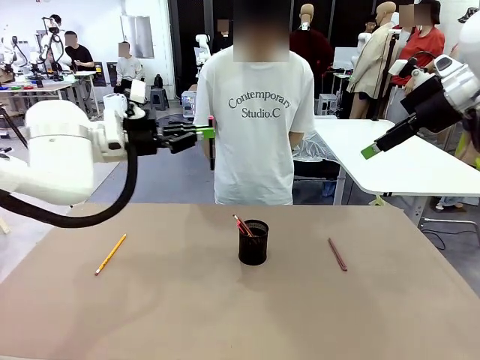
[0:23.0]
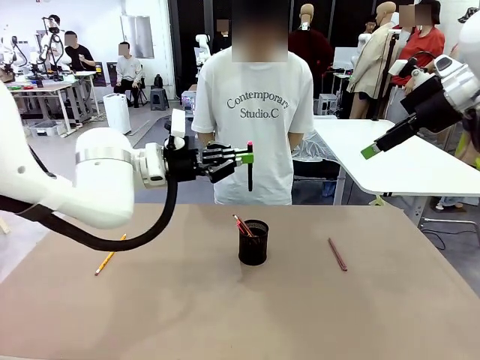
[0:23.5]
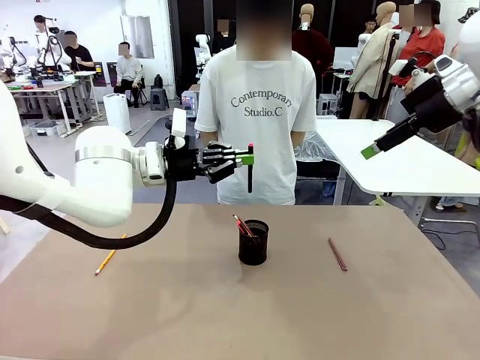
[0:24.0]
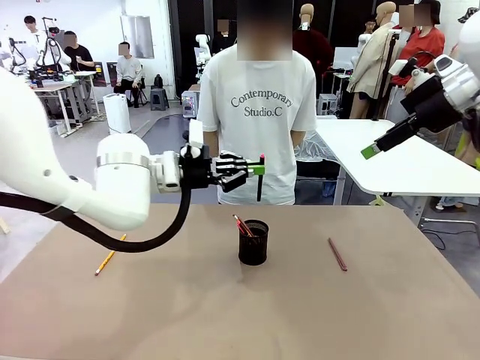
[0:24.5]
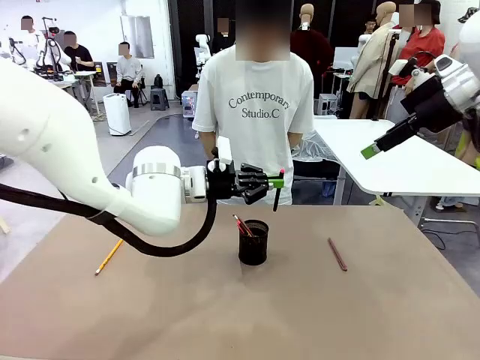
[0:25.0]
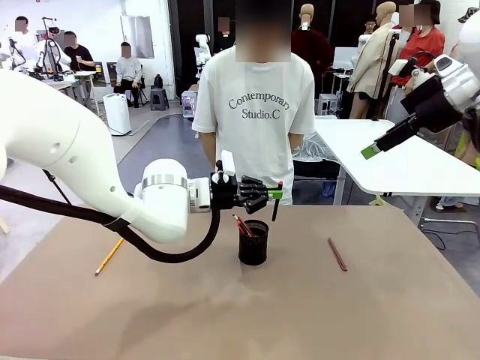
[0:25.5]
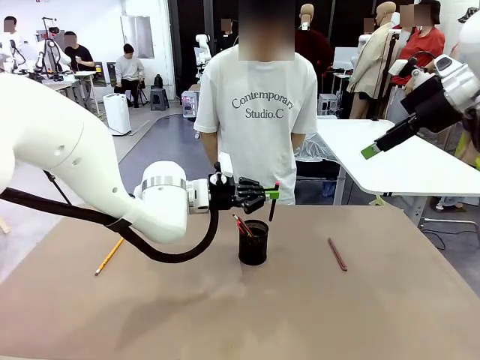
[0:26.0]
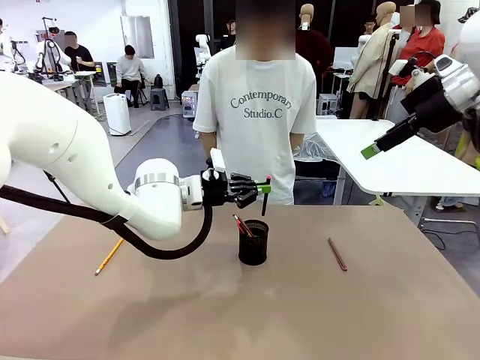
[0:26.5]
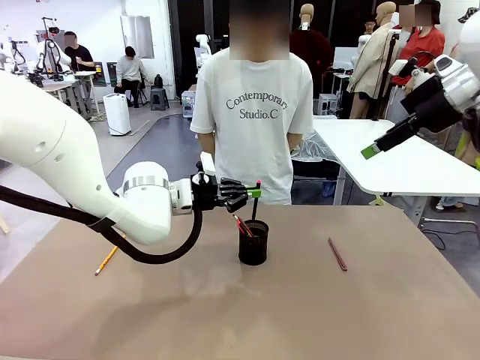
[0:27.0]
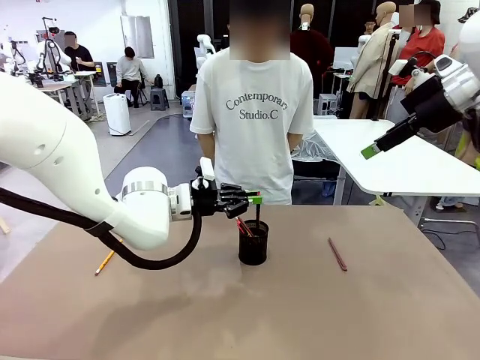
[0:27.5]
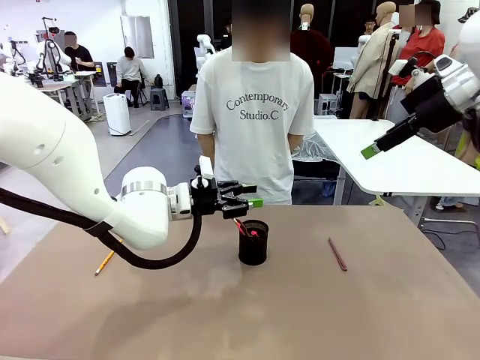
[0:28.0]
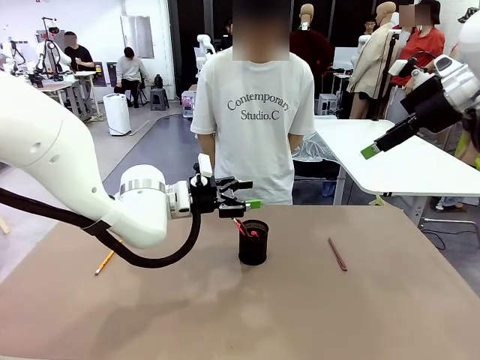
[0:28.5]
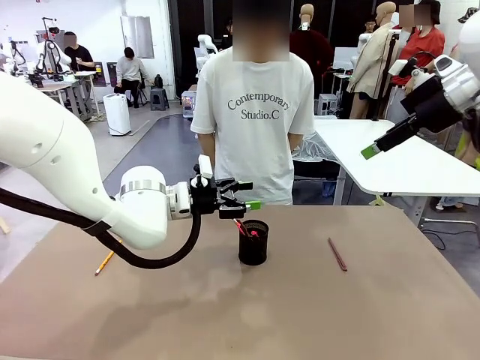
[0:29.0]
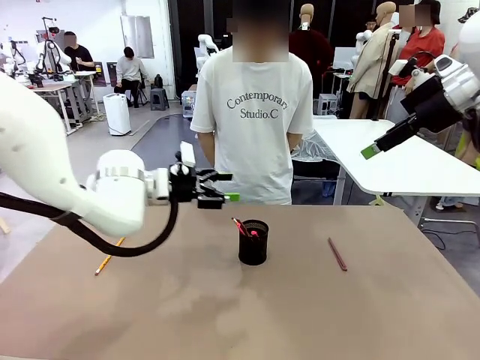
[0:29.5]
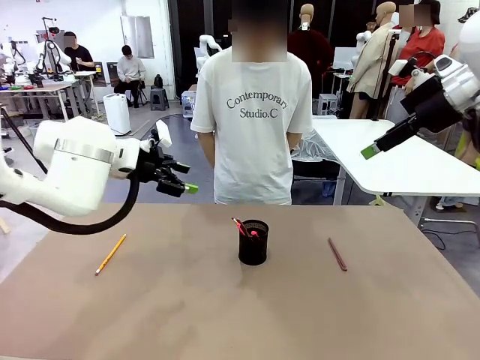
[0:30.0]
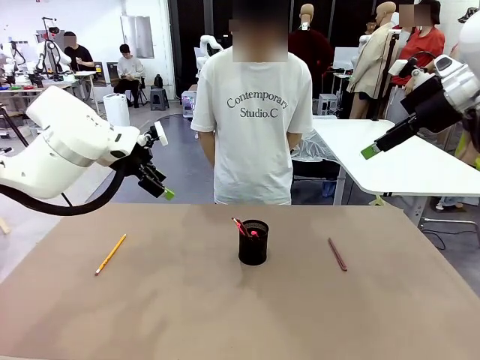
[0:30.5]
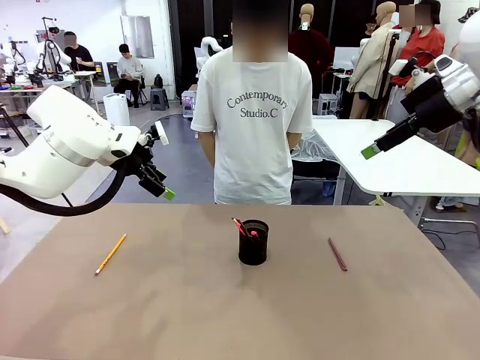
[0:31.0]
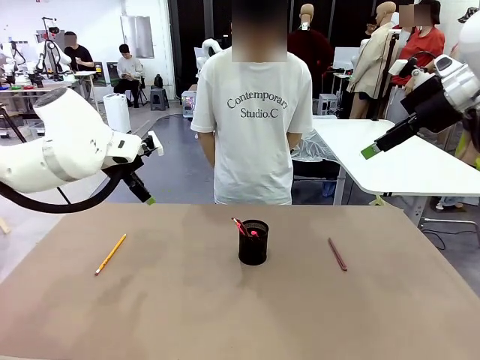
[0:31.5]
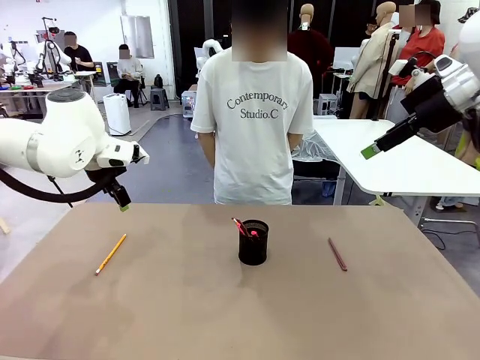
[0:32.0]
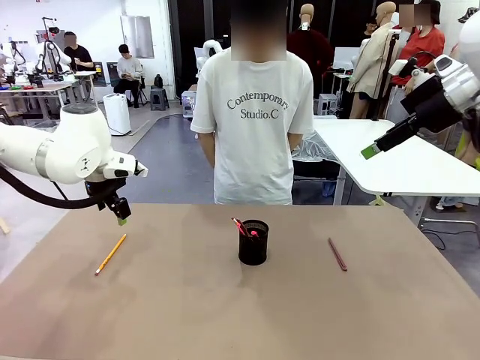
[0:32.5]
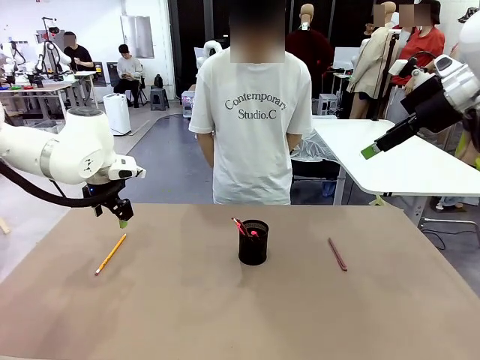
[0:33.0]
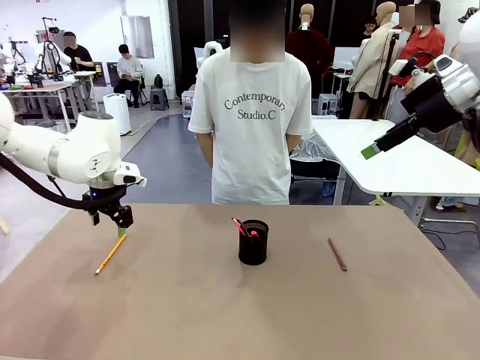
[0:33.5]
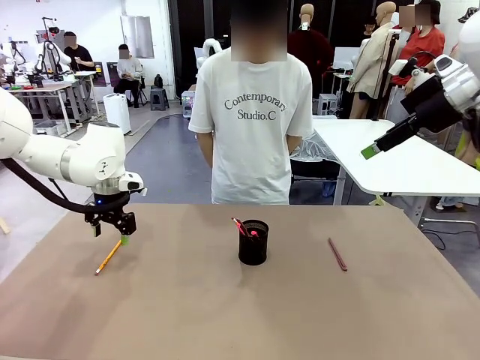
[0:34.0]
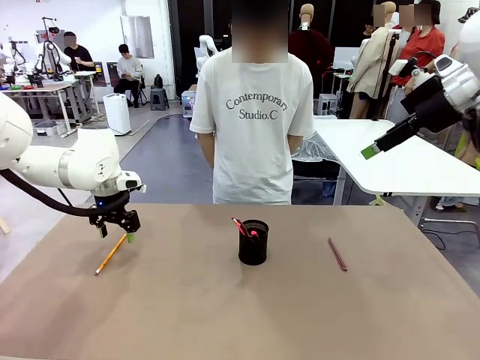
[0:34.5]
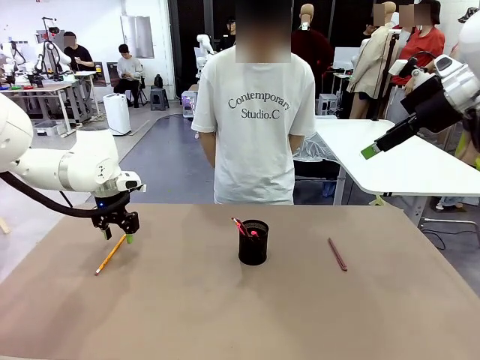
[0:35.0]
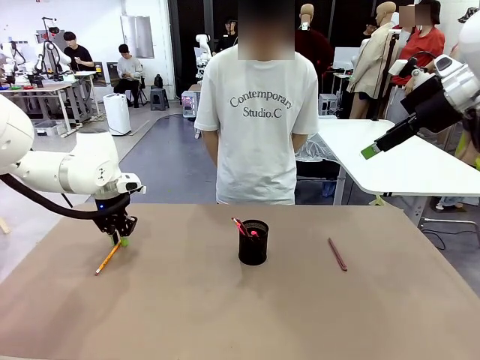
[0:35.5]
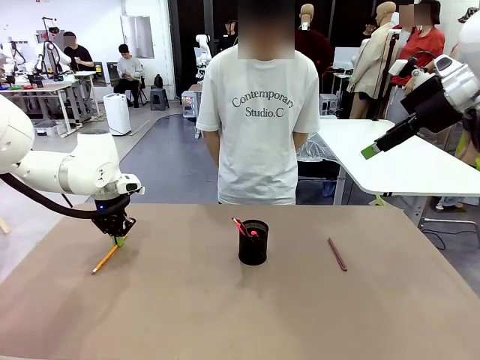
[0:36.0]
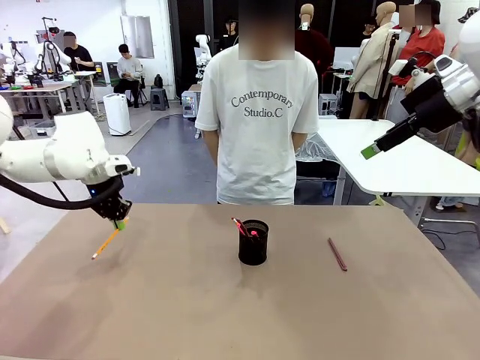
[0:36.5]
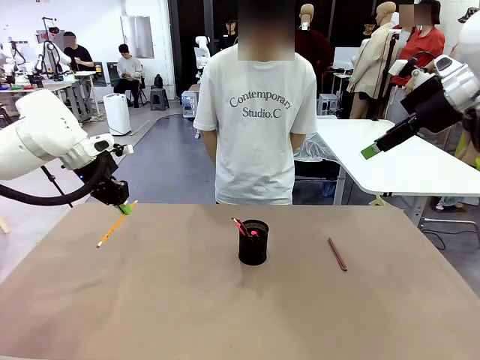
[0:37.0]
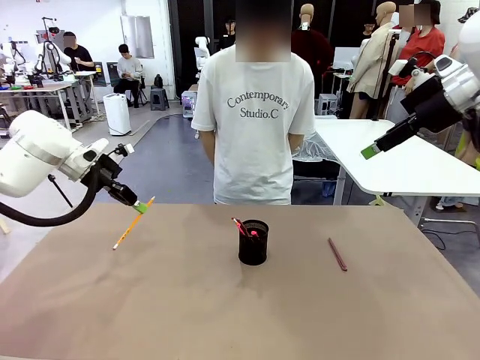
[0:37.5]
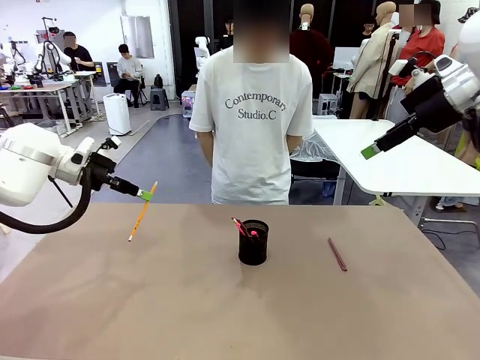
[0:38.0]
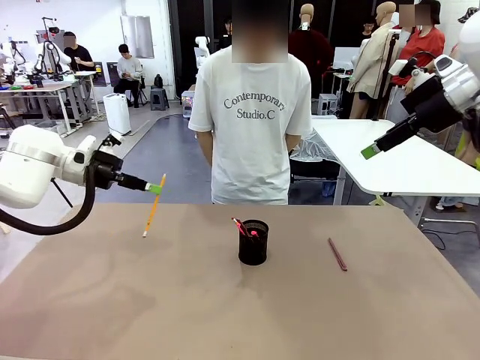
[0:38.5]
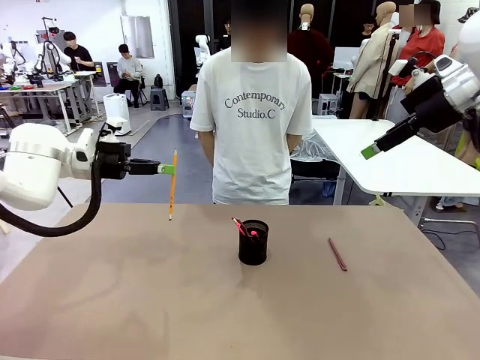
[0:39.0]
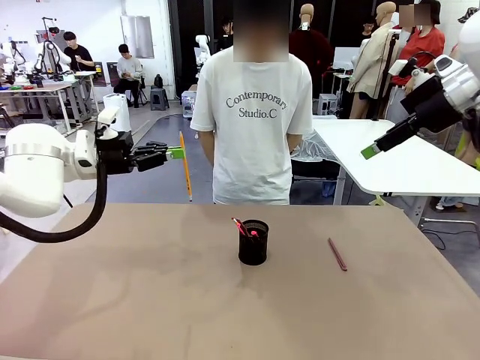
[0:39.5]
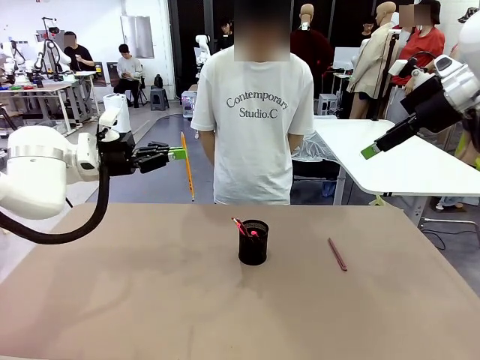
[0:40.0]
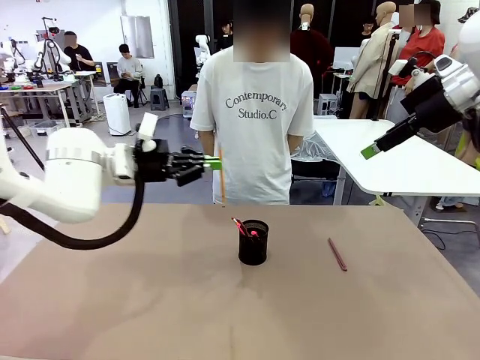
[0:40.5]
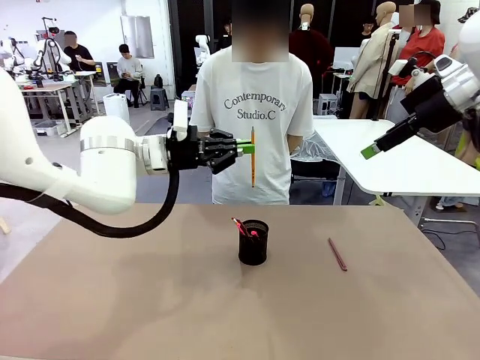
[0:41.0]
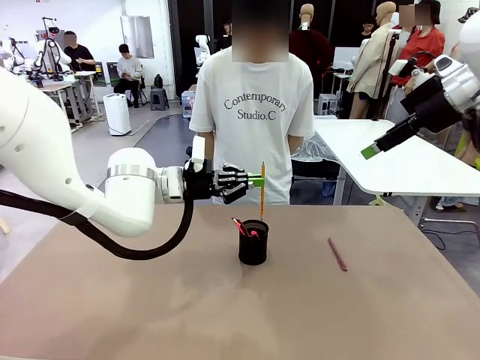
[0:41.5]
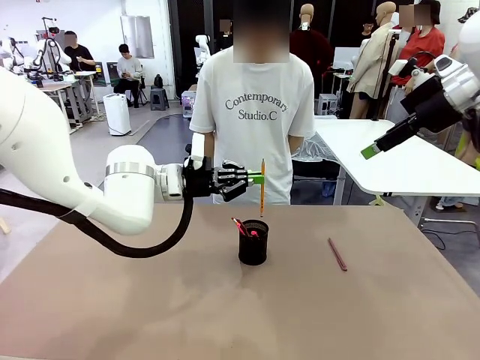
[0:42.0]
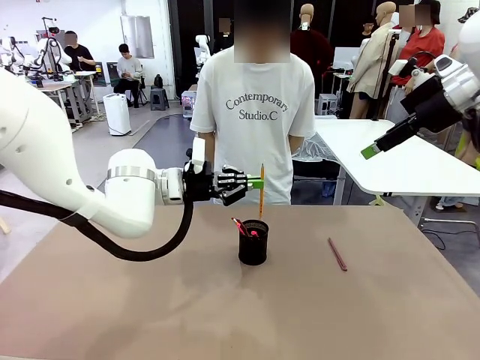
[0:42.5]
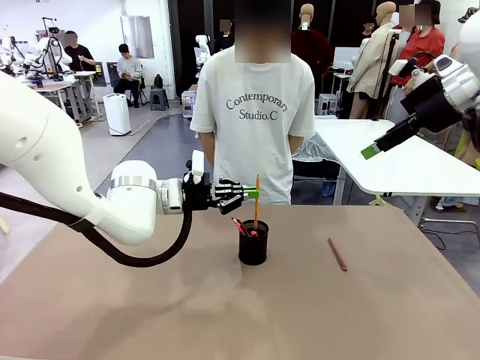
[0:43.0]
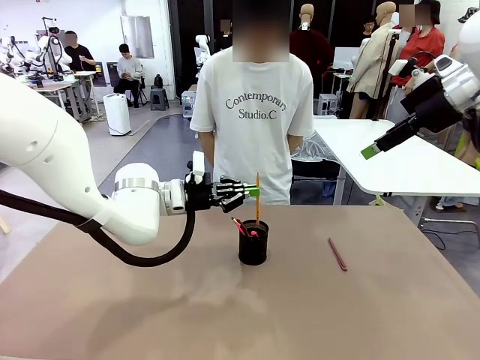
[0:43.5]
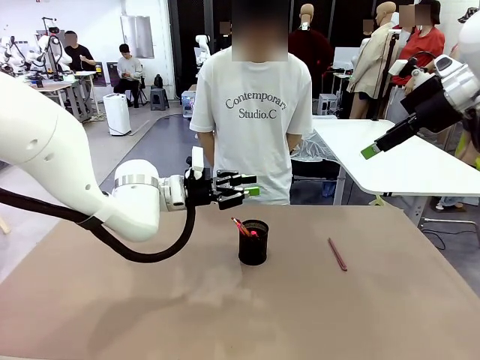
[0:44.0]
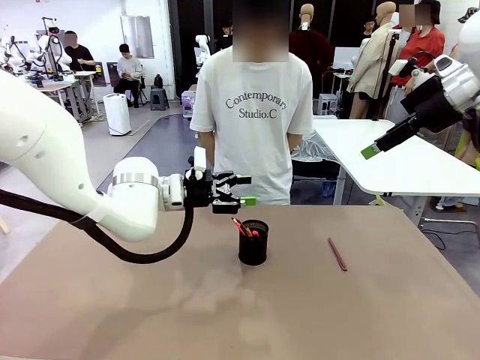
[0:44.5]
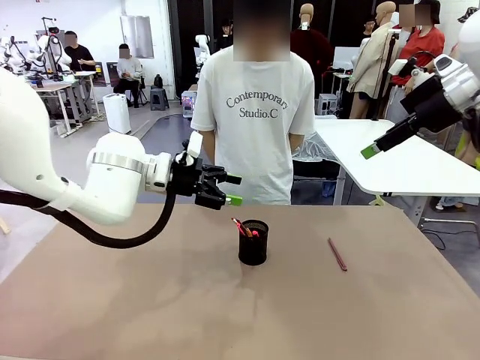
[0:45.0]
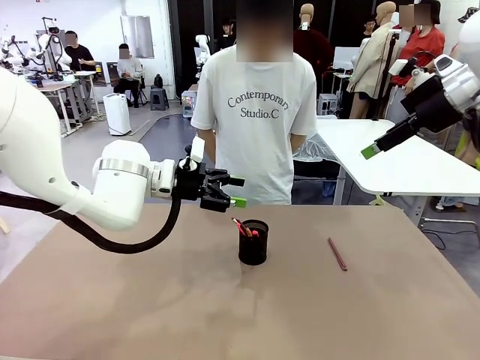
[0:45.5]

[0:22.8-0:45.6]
Task: Place the pens into the pen holder.
Robot: Pick up a writing instrument from the table and place it into the Pen holder.

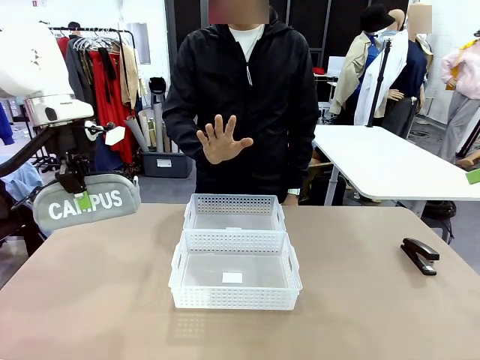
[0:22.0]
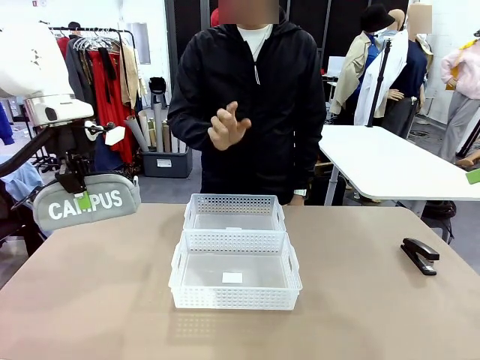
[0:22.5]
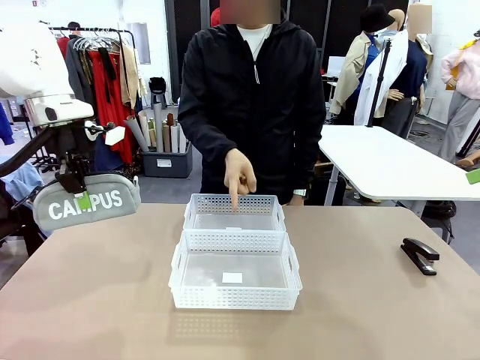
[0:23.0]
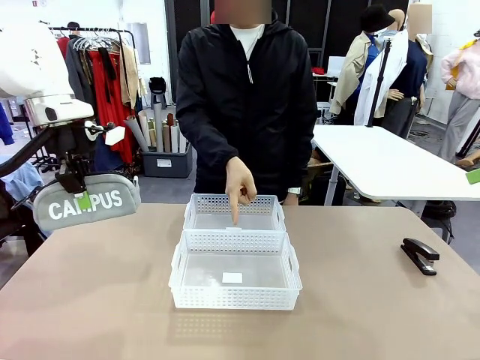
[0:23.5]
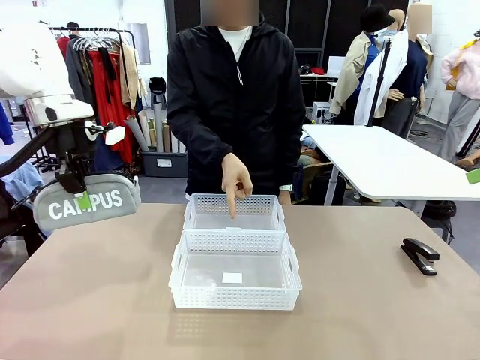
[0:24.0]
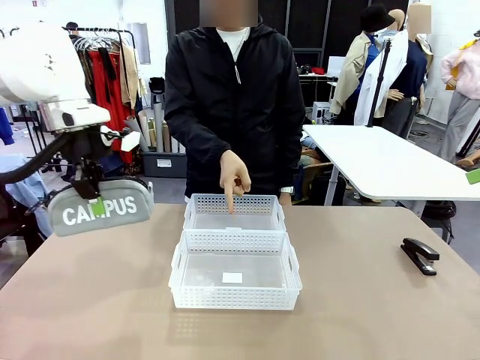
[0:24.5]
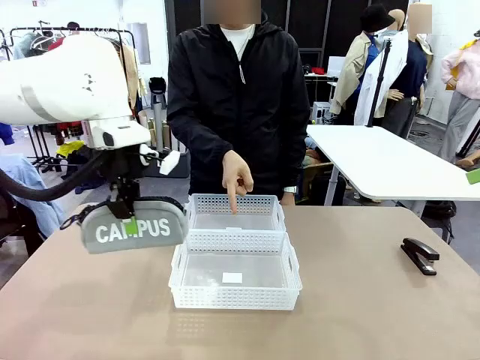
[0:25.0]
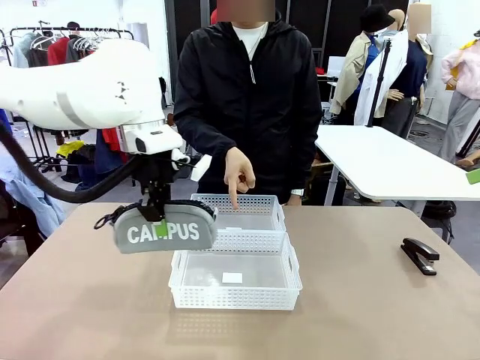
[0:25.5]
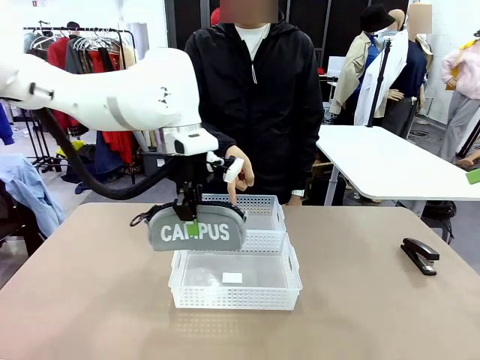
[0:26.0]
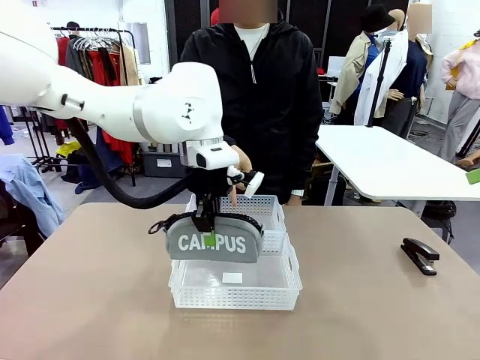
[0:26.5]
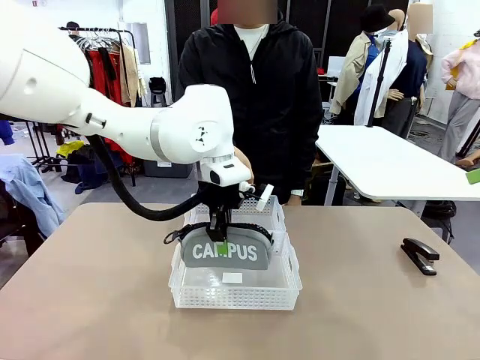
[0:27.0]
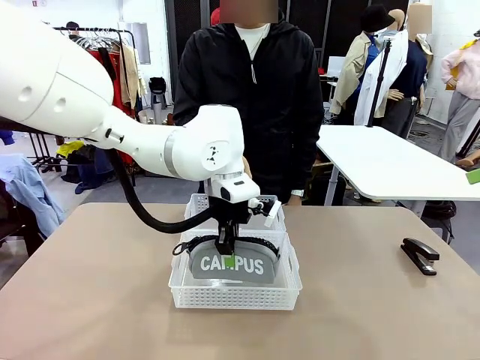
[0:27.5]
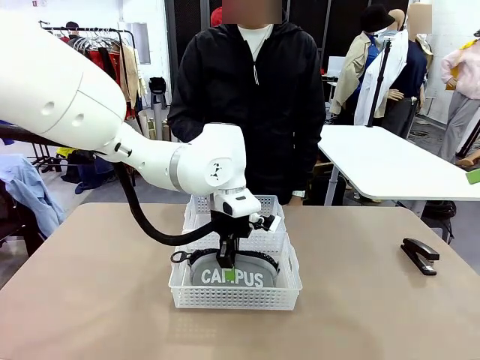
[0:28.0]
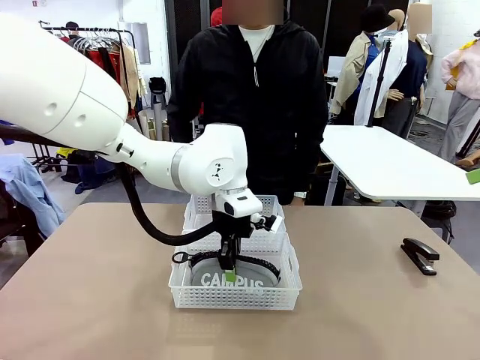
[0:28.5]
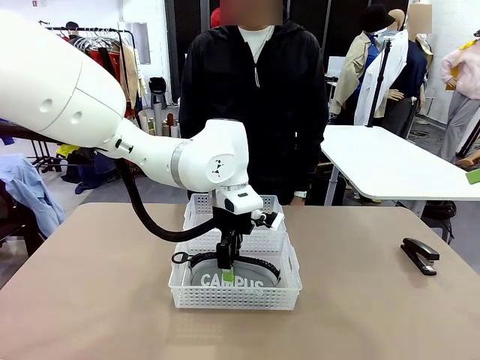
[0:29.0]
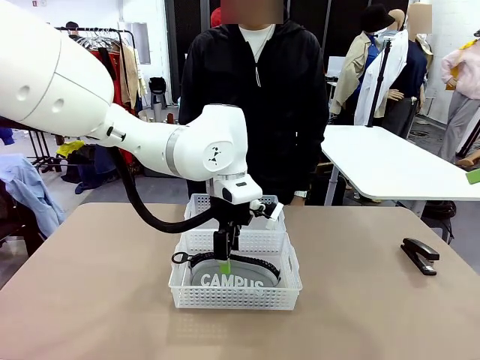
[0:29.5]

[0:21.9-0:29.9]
Task: Distribute items into two baskets.
Robot: Place the picked Pencil pouch into the Organizing basket as instructed by the person.
Person: Instructs the robot to place the pencil case into the opposite basket. Points to the stapler.
